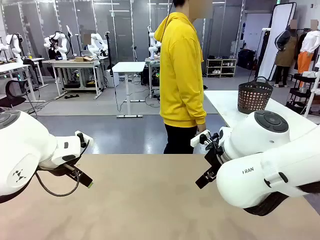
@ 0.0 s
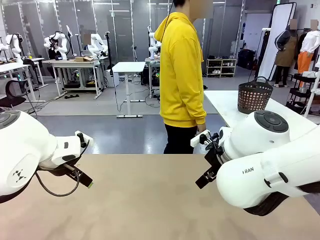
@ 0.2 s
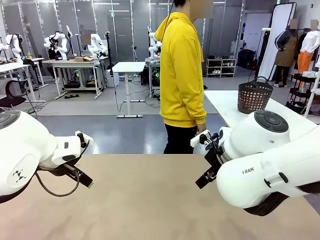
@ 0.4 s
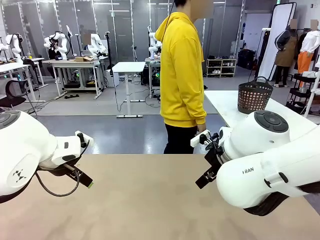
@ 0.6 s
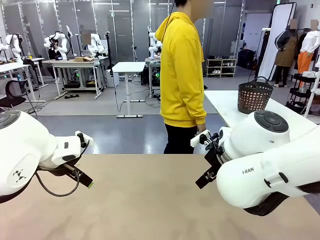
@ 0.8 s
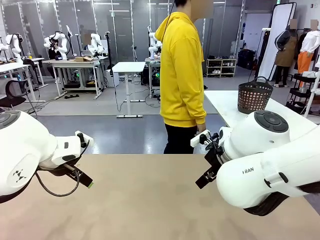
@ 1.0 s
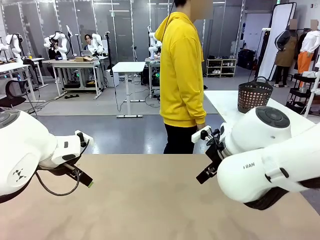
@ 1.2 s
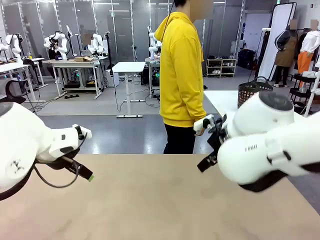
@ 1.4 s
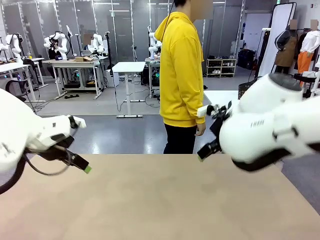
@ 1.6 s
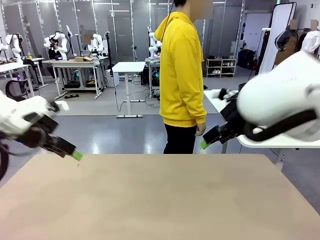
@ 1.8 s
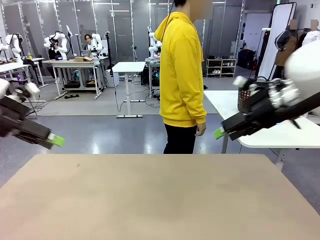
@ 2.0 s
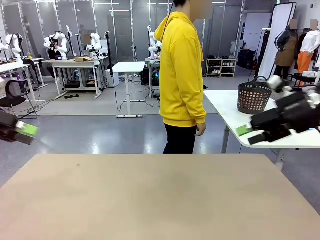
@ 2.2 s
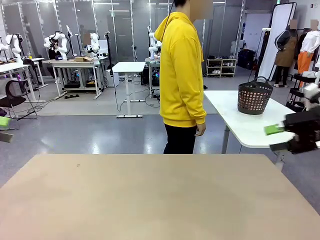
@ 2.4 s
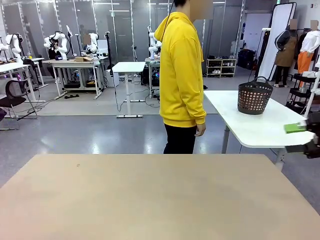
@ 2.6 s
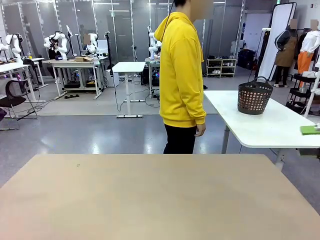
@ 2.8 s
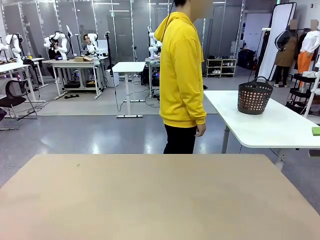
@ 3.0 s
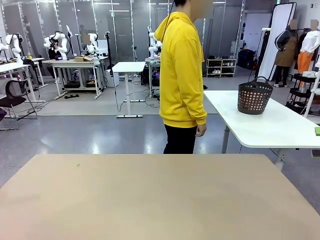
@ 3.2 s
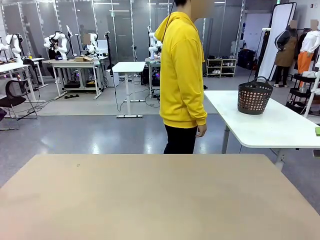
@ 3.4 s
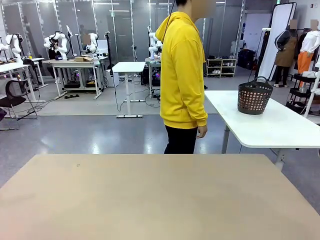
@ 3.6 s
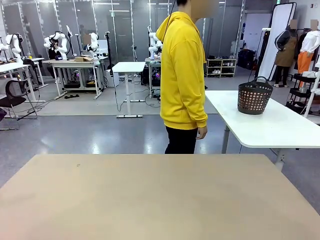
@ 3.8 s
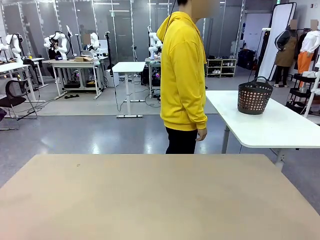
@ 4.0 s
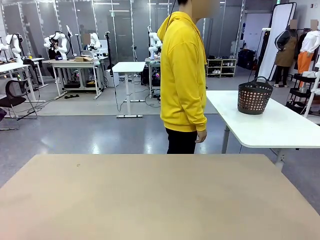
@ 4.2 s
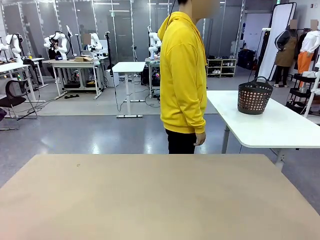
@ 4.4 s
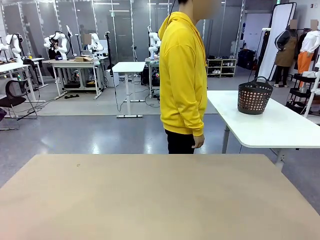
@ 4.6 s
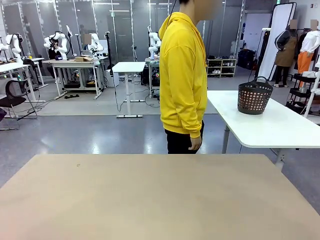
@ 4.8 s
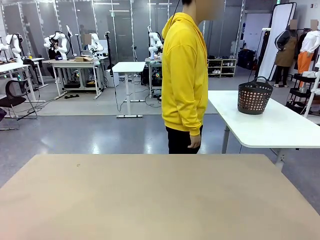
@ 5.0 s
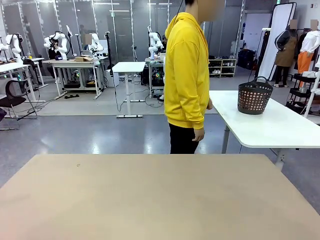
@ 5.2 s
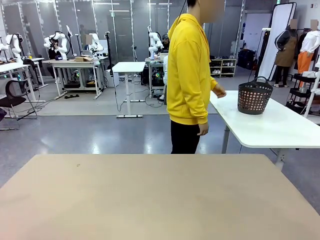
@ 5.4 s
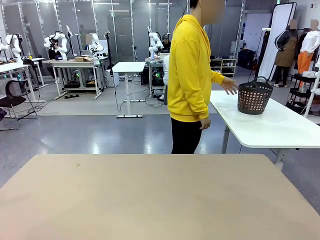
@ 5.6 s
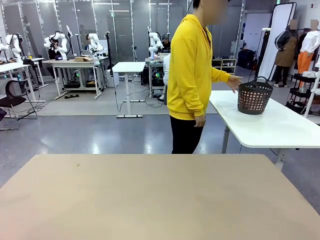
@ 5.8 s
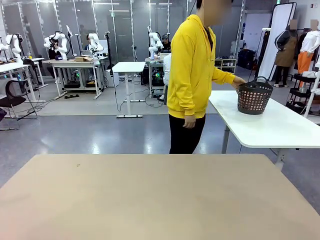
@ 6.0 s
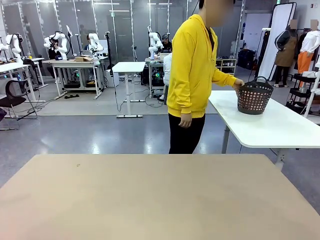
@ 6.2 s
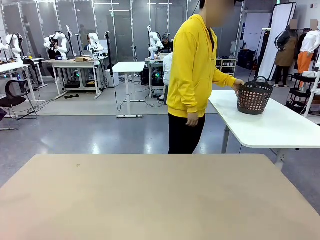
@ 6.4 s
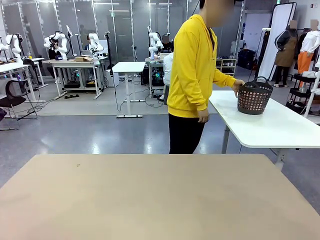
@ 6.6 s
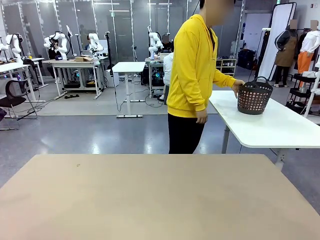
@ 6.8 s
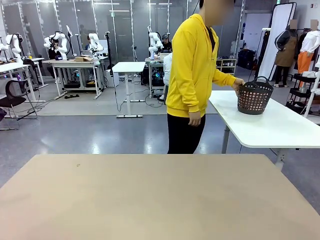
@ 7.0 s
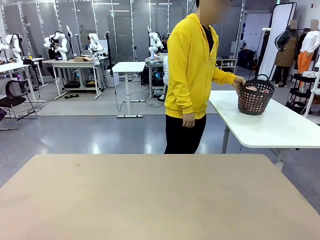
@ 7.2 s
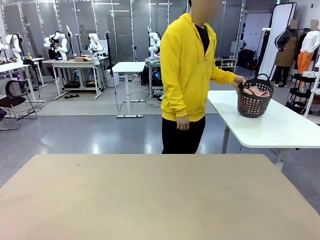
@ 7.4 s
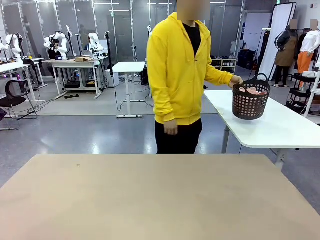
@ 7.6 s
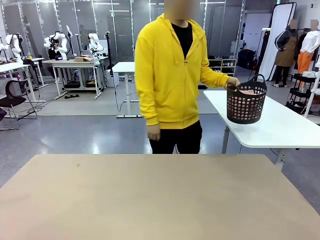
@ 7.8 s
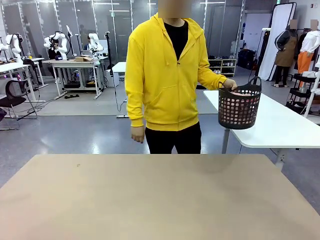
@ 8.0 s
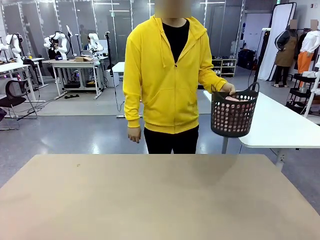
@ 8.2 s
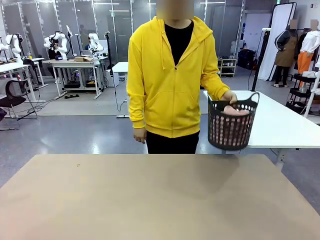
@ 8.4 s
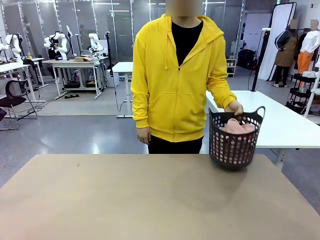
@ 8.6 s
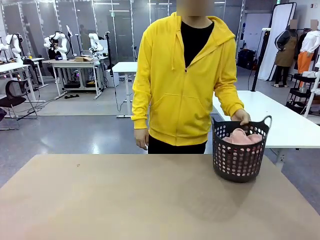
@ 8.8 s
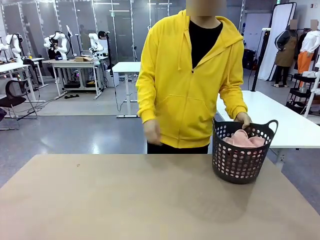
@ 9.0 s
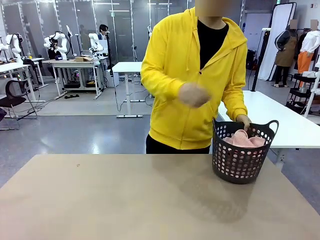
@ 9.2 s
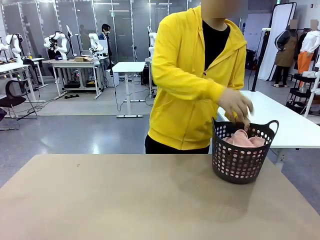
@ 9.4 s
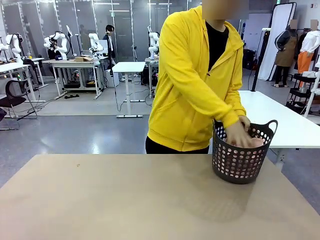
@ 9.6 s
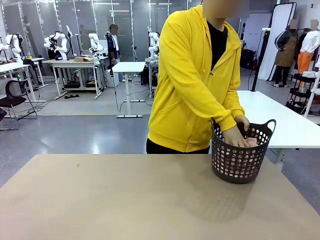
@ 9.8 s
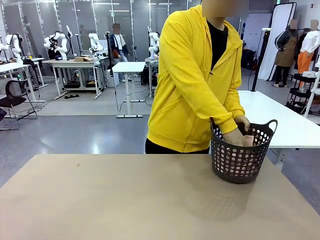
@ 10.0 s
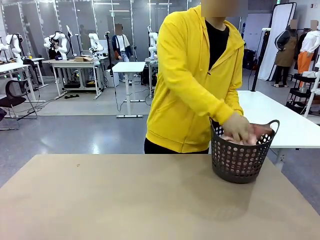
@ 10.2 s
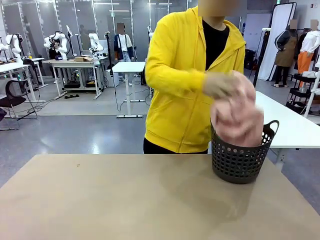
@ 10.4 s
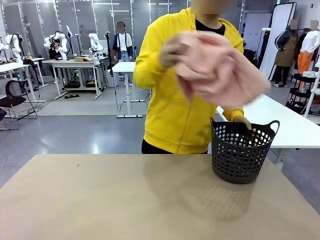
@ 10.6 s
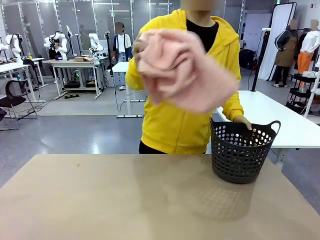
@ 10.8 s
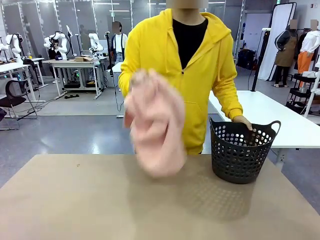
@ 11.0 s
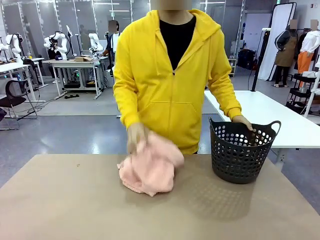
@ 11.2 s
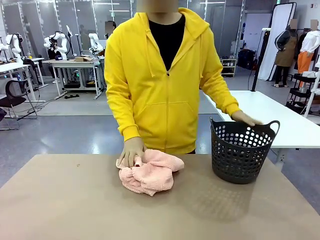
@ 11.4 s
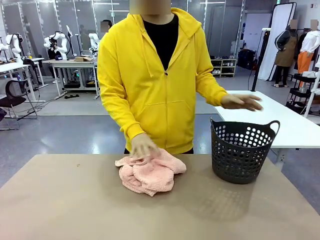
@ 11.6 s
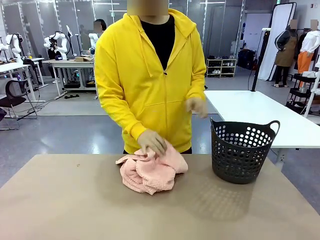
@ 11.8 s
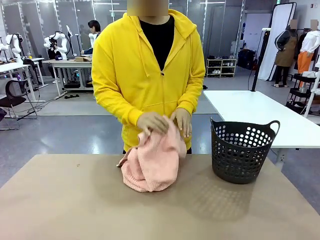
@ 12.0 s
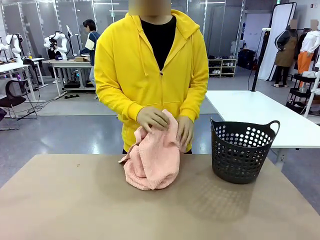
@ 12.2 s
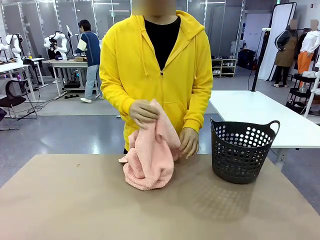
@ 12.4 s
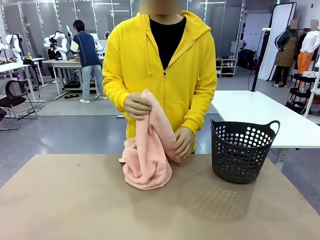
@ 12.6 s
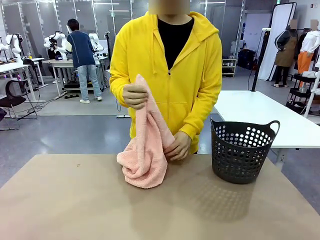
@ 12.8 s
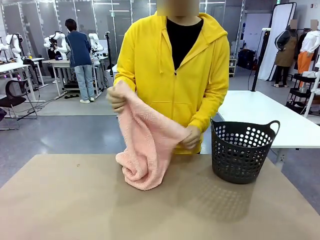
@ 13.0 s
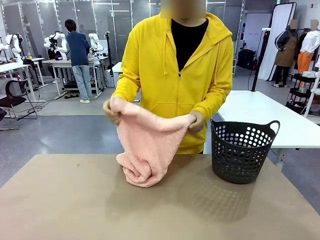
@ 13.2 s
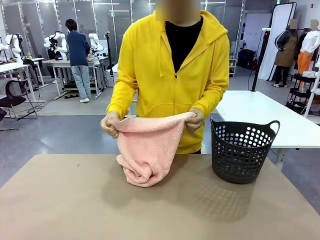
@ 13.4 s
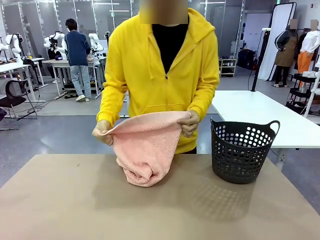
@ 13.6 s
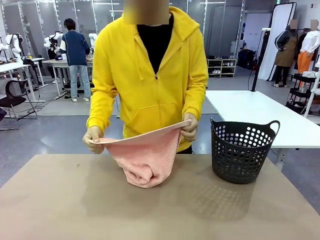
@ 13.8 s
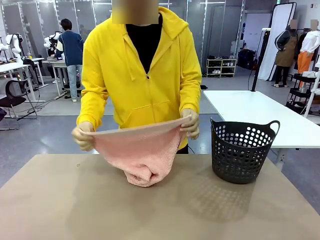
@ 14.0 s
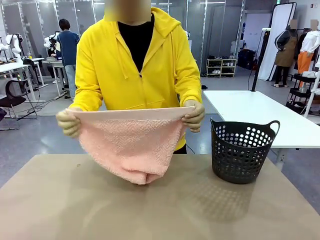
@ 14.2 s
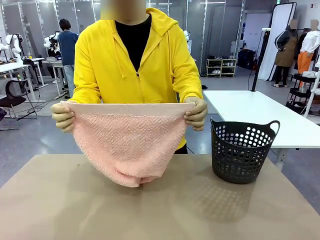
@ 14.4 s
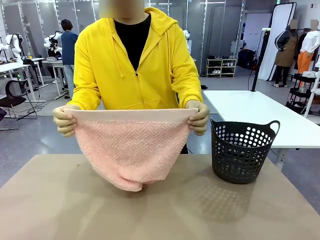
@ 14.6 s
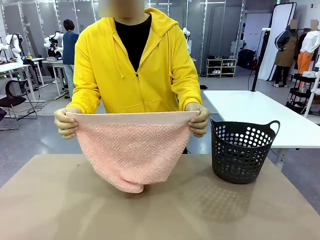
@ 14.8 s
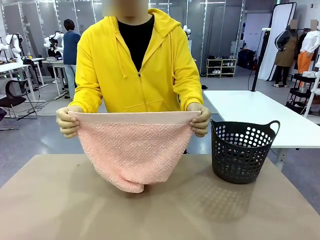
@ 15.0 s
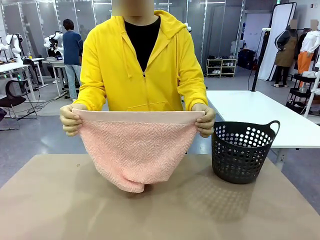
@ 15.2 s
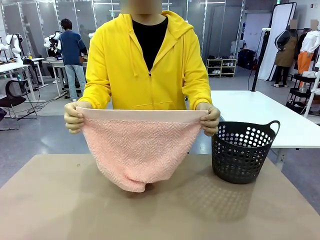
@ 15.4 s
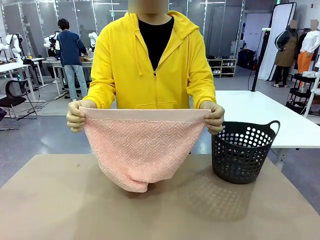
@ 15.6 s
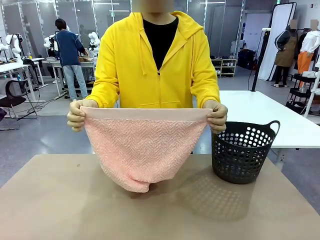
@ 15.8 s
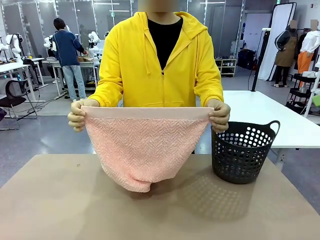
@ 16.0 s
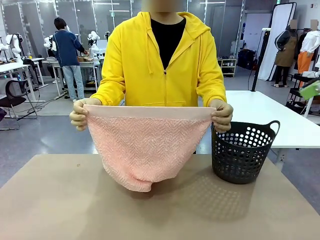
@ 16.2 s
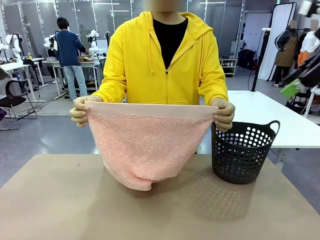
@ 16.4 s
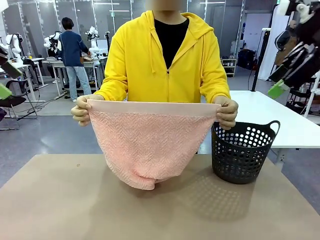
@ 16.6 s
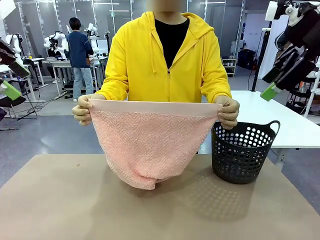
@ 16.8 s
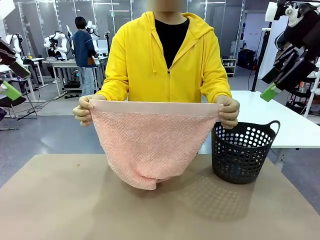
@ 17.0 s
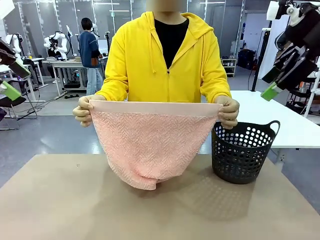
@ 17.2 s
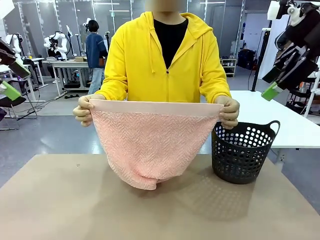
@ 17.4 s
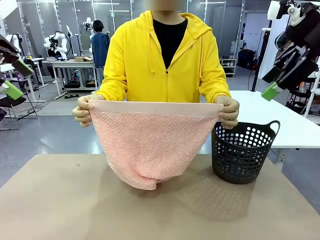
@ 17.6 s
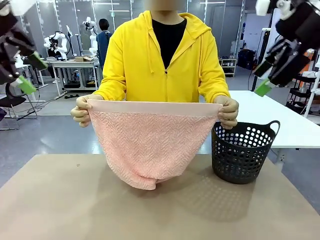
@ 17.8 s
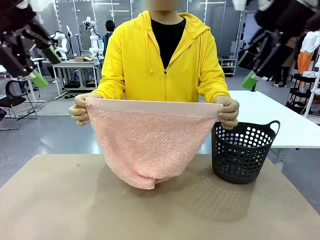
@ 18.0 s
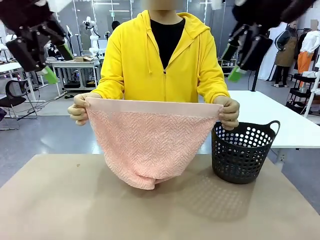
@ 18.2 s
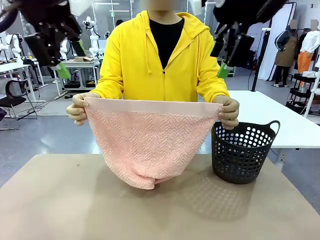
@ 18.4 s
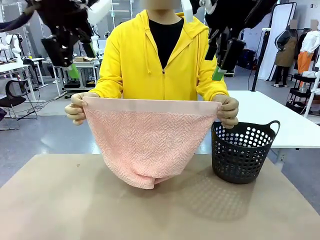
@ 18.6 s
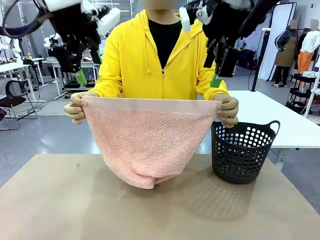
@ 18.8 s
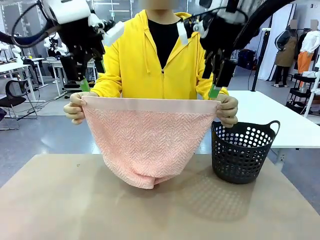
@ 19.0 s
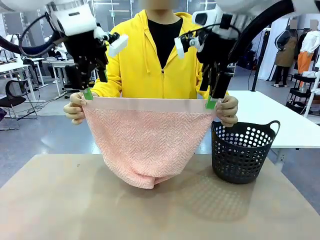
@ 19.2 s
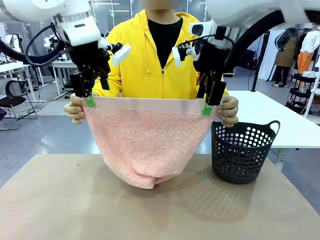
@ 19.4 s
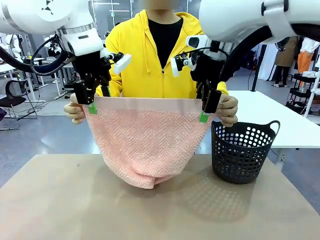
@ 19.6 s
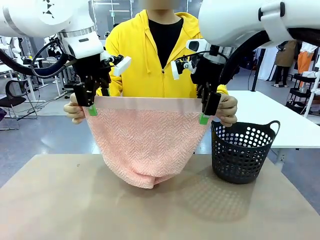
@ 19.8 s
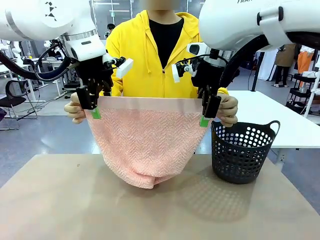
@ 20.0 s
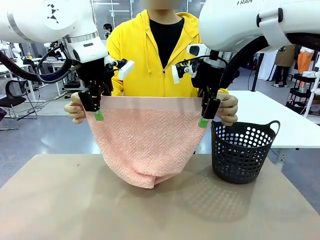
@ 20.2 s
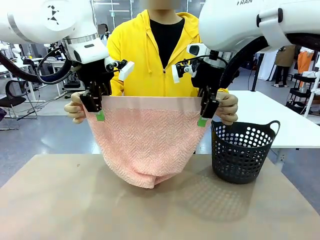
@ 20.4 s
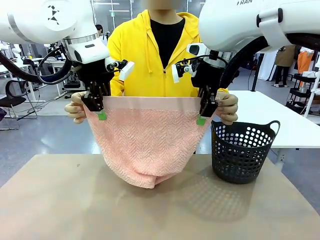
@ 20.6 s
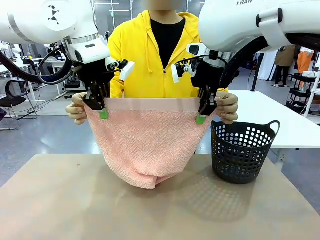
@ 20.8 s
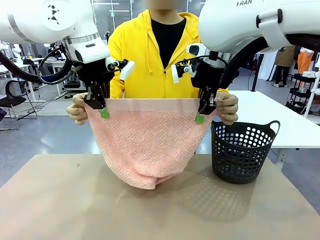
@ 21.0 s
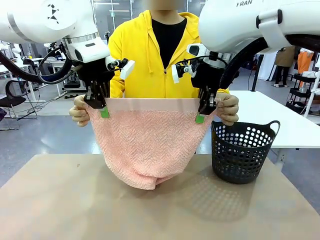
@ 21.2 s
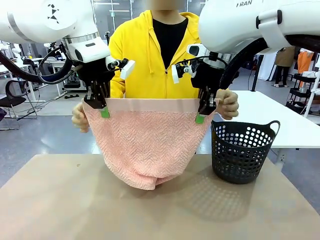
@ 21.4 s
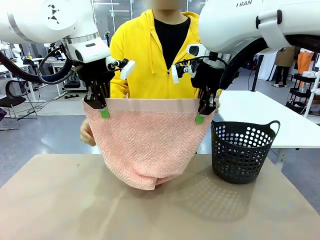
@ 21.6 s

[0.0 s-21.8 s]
Task: Fold the towel.
Robot: Grab the top end of the 100 cm Hotel Towel extended by the human.
Person: Pick up the laundry basket, place it on the left side of the robot table, then take out a towel and hand it to the robot while holding both corners of one end.
